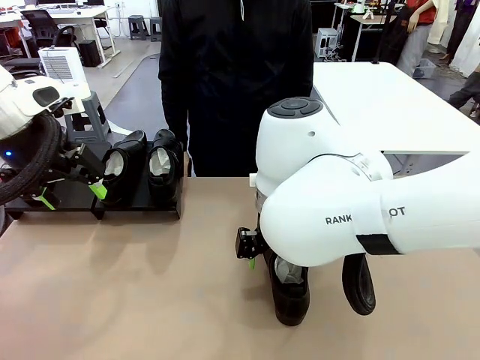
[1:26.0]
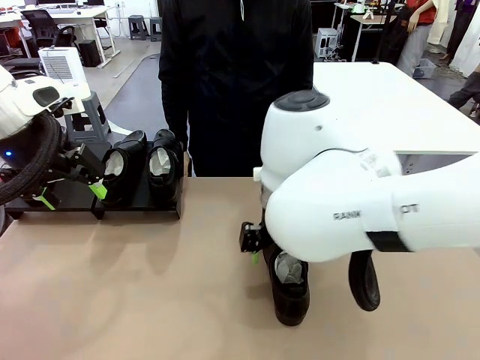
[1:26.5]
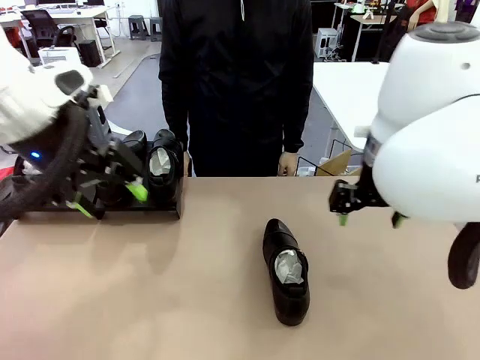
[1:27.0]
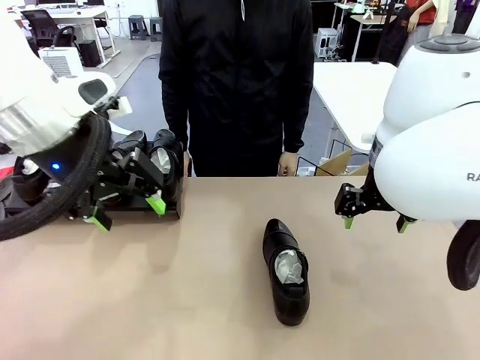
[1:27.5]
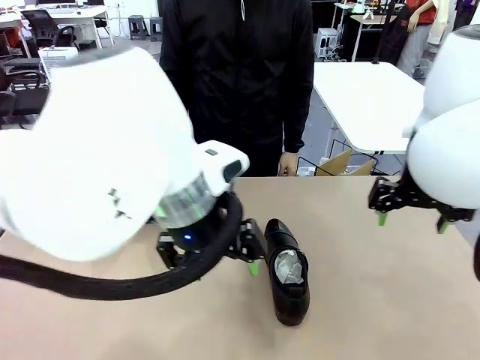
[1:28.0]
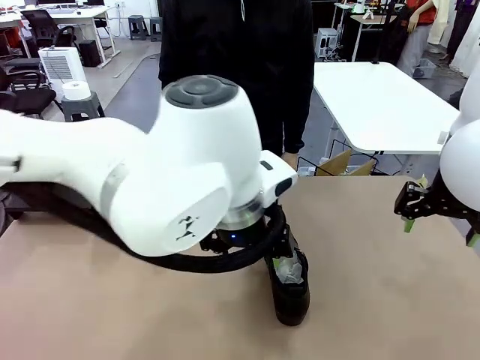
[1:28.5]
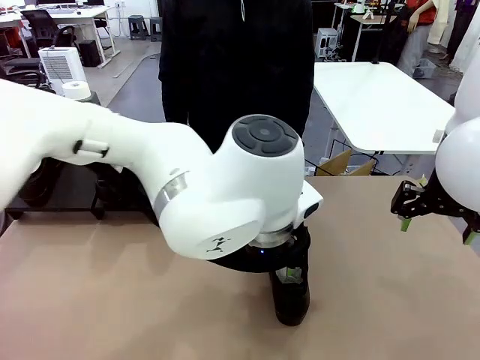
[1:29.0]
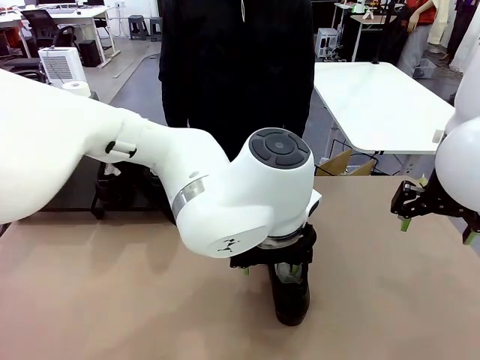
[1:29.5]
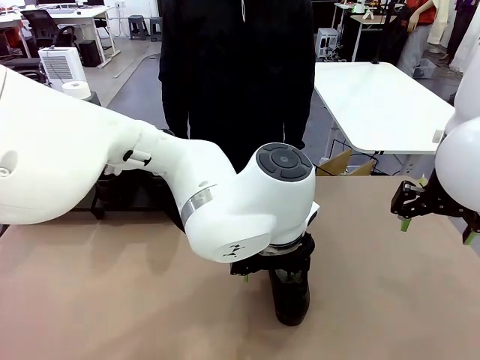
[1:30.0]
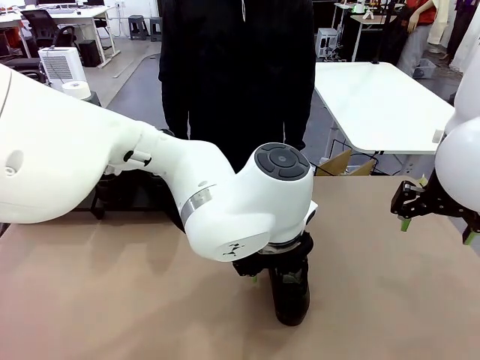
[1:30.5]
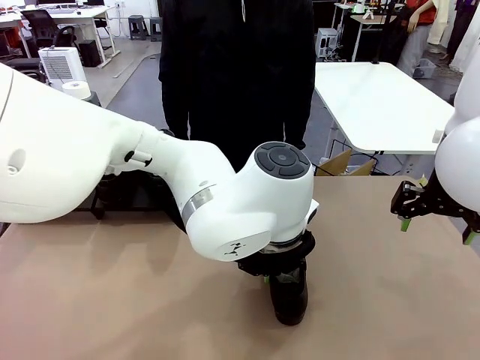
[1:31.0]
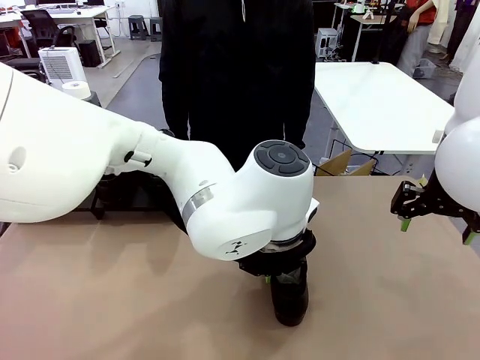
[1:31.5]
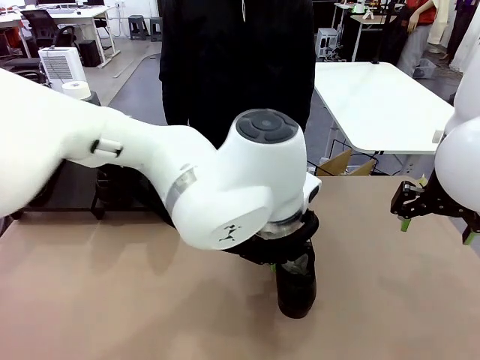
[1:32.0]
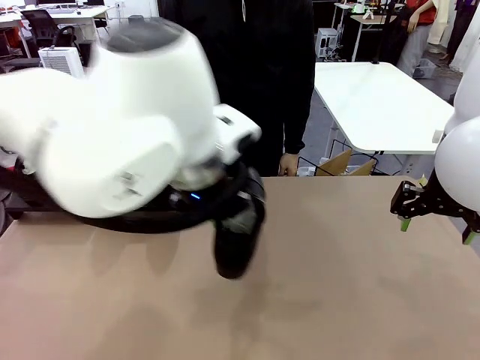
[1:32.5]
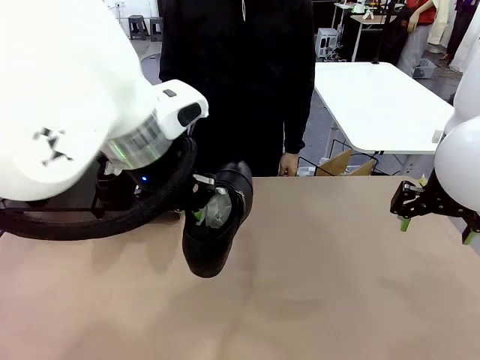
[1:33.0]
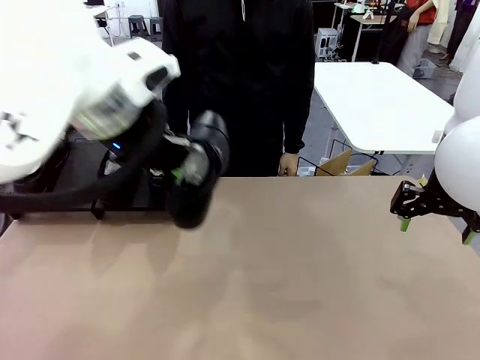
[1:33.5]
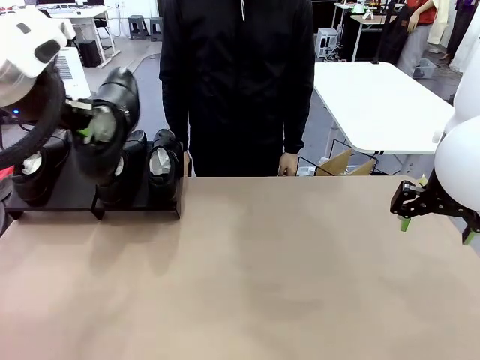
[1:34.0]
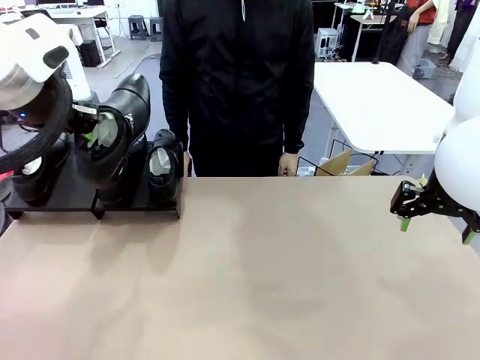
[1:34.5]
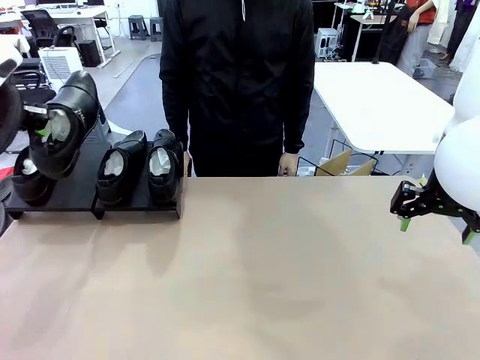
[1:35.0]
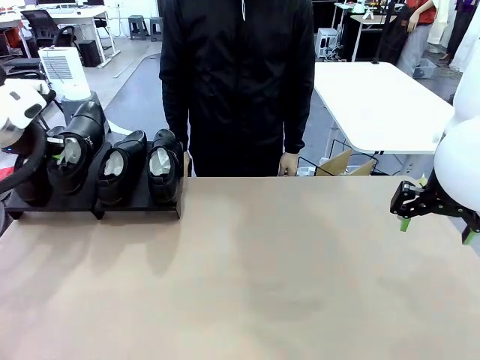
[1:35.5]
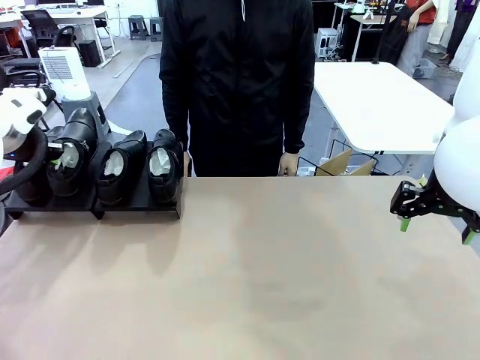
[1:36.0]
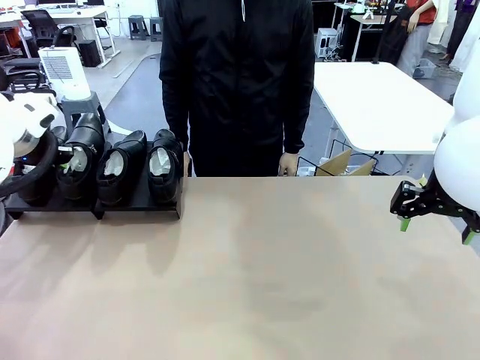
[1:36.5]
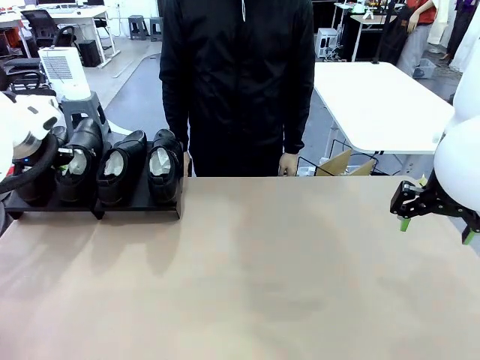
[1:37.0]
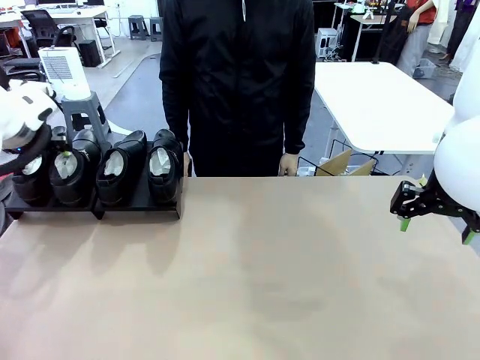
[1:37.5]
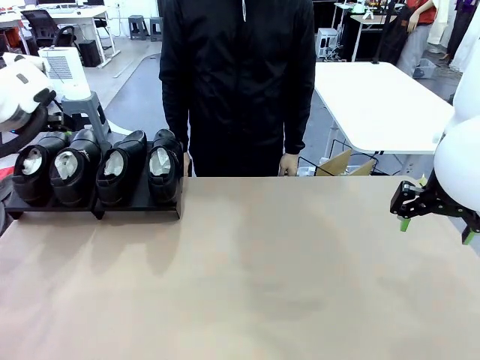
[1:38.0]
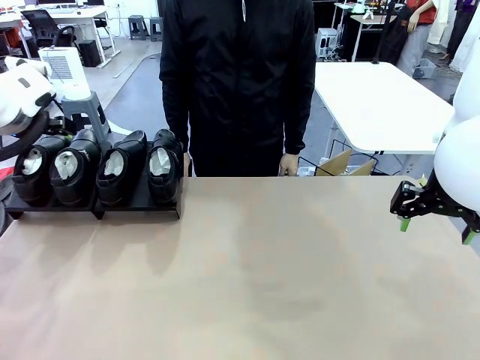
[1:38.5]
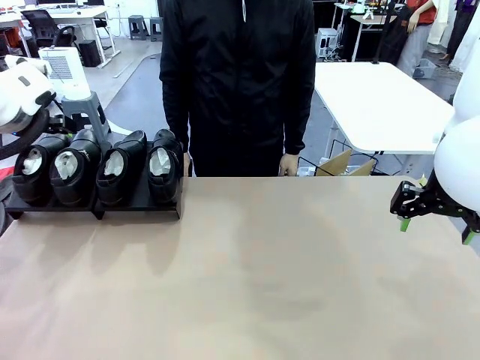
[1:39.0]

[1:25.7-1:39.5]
Task: Organize the shoes by placing them on the stand.
Robot: Place the Shoe from the middle of the table onto the Shoes Stand.

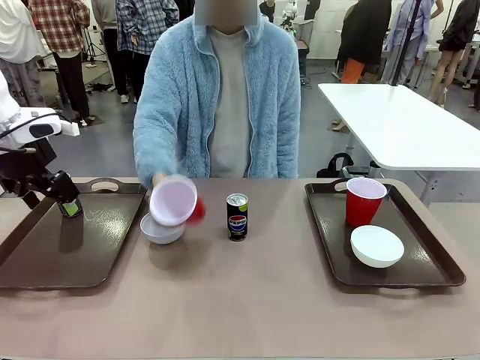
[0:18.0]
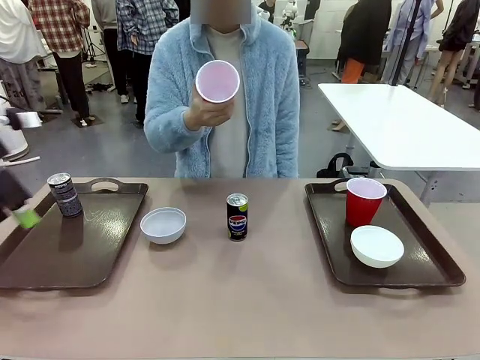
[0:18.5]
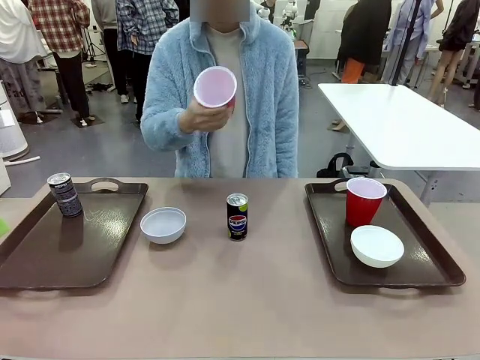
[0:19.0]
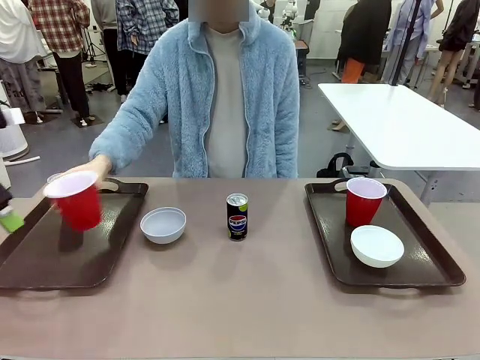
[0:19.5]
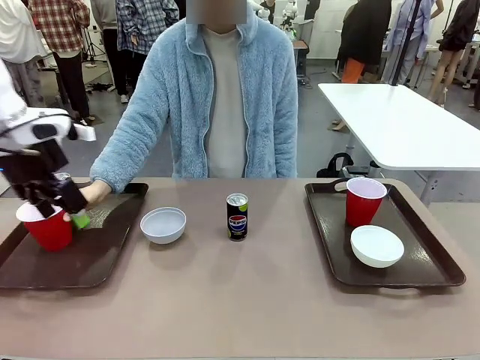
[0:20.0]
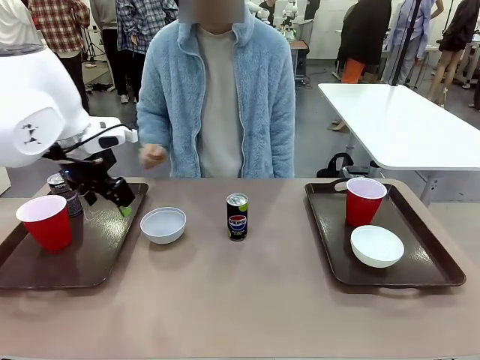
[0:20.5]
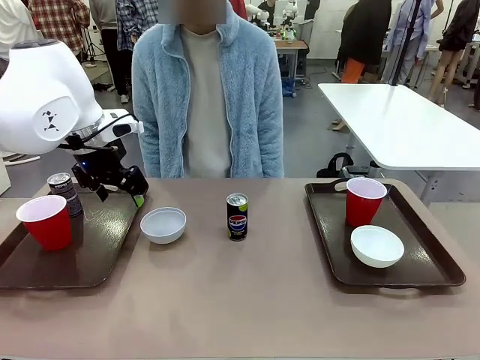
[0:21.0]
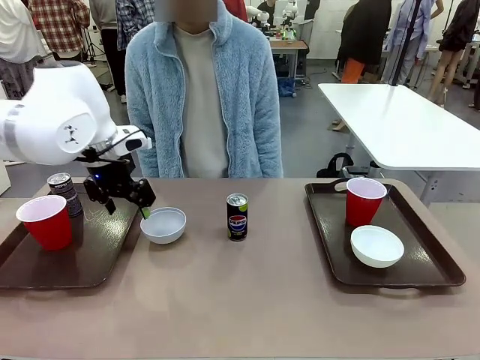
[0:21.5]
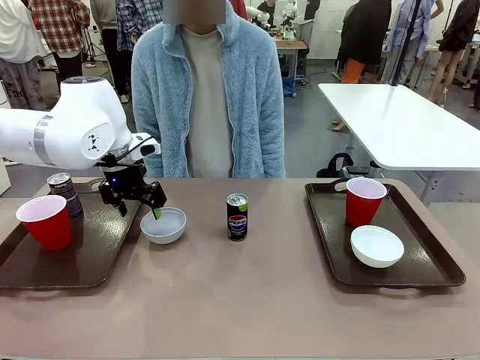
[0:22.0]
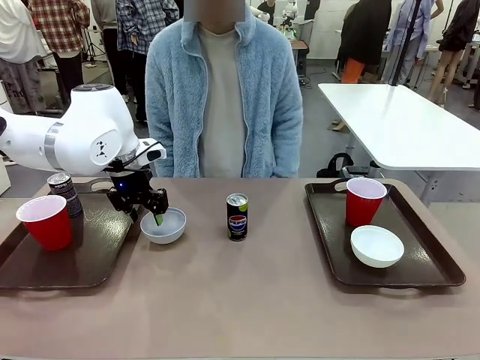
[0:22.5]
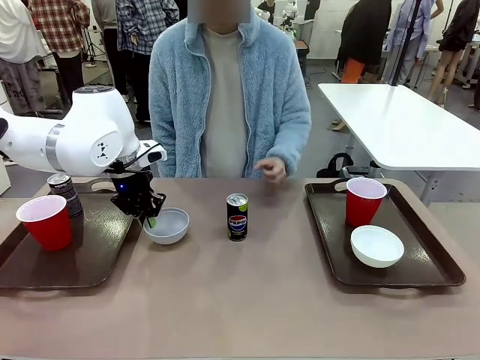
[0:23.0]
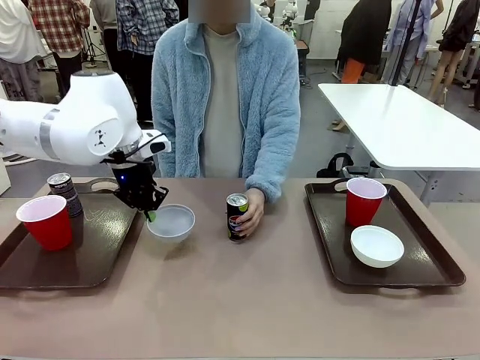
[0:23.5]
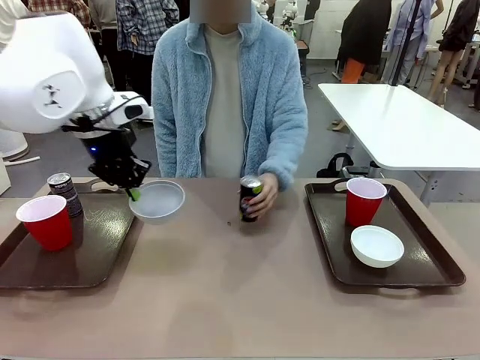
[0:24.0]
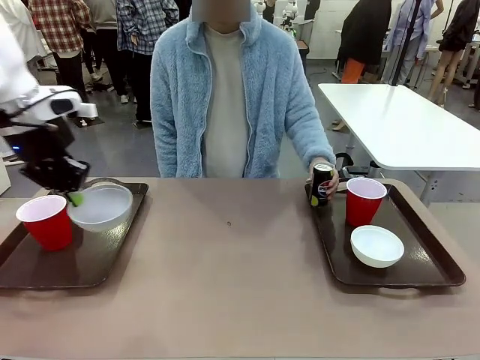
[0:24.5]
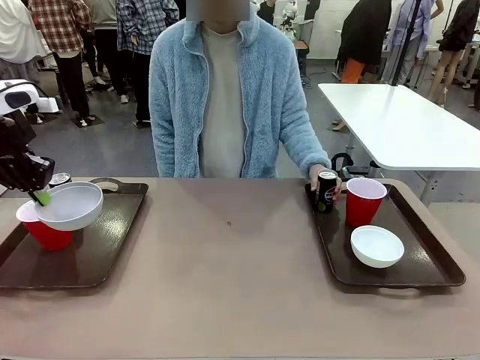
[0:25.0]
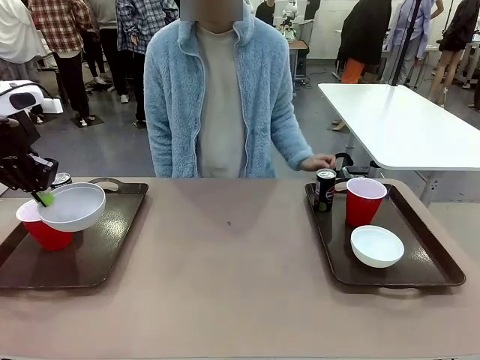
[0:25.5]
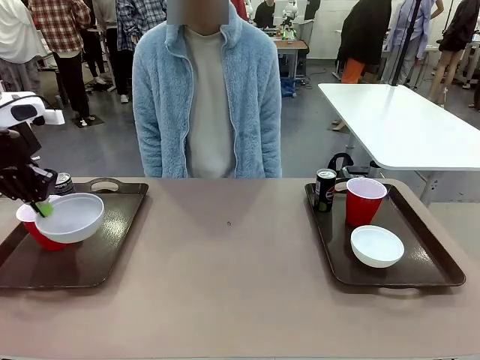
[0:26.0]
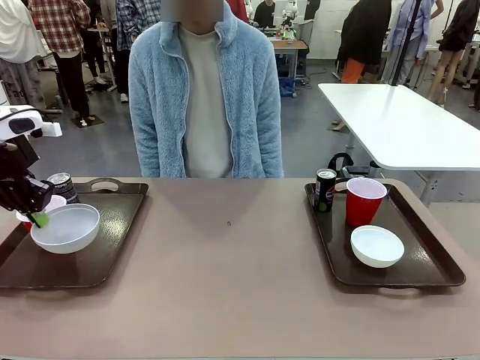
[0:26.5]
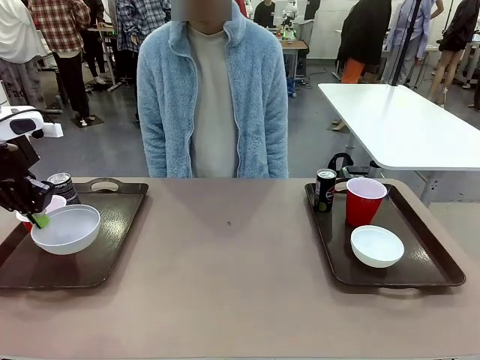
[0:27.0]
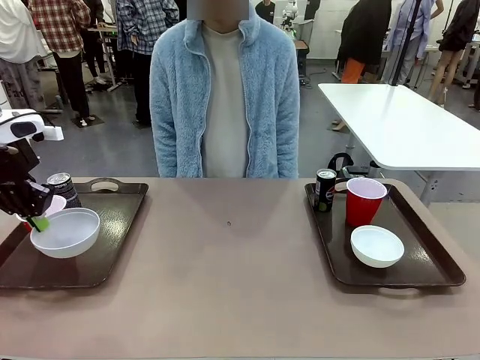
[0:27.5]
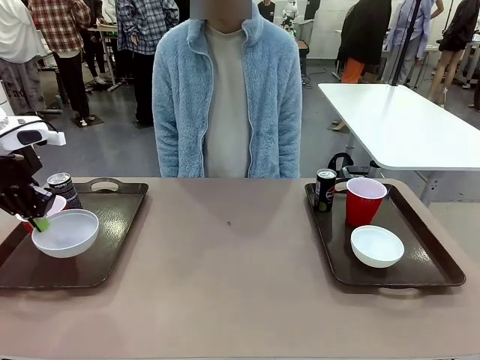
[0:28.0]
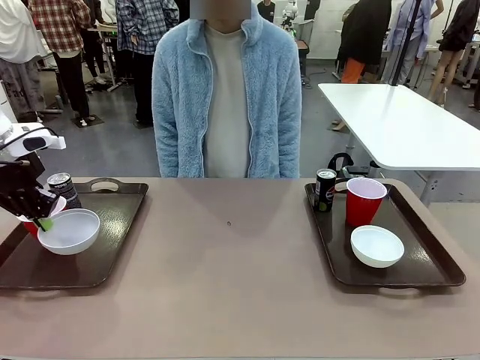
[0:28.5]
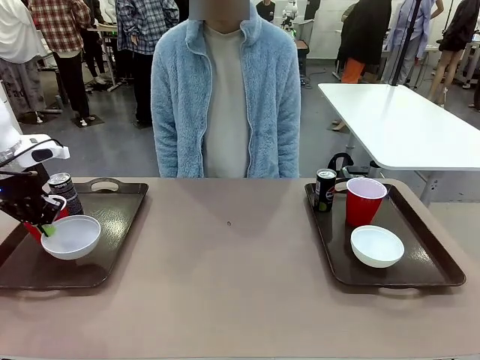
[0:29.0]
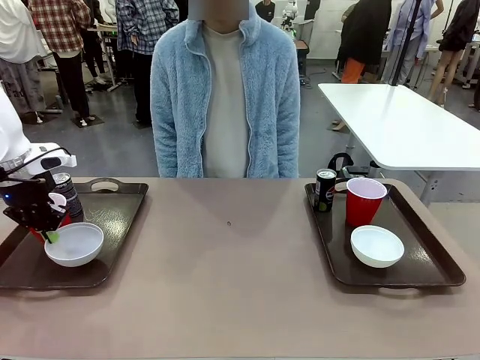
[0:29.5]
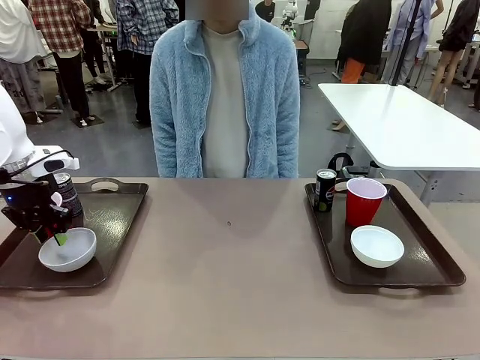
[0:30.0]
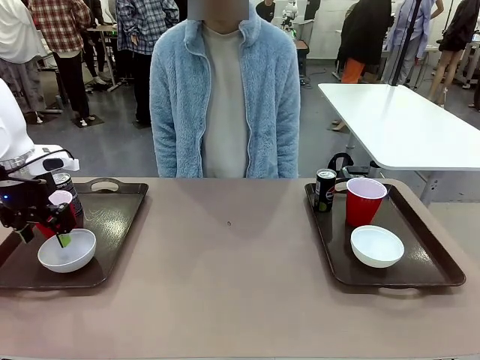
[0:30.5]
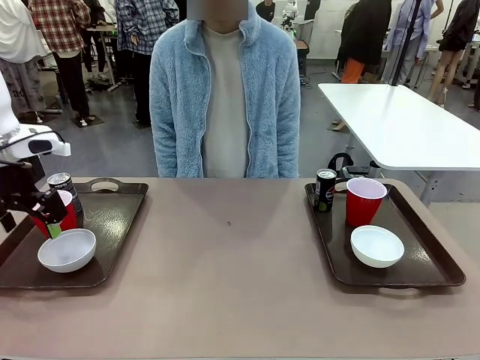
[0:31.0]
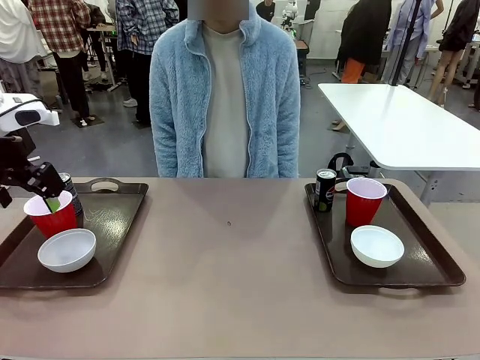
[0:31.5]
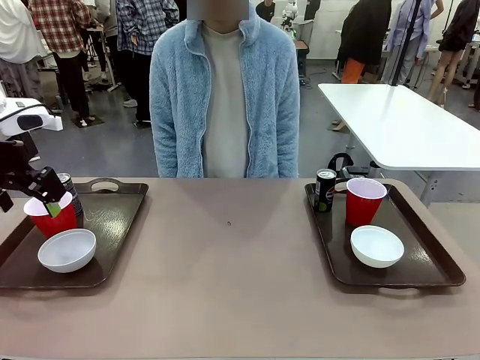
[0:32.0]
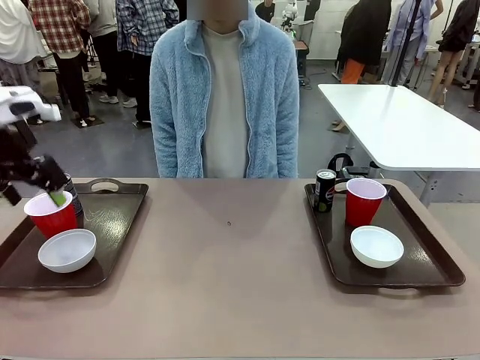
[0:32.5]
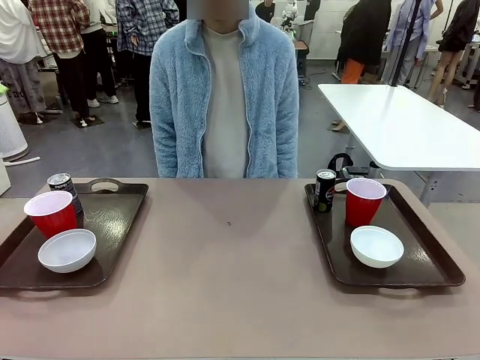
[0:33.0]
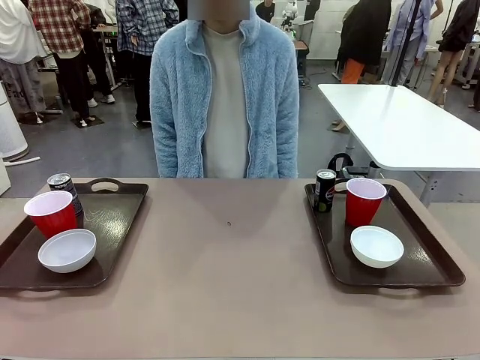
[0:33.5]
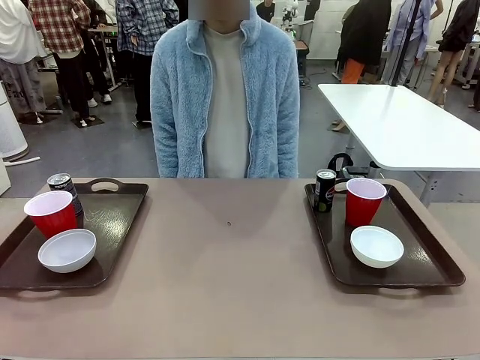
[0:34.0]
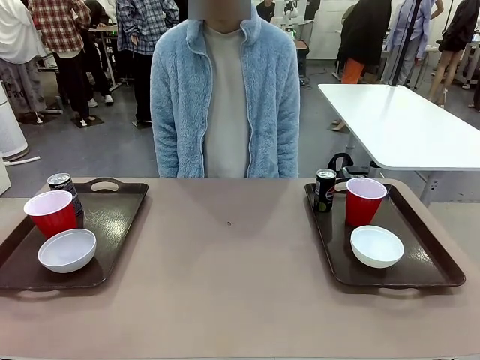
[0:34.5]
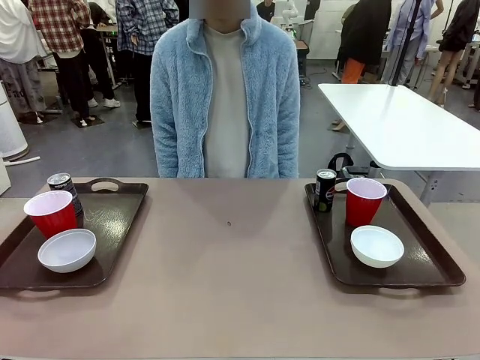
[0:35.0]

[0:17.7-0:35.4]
Task: Prepare tableware on both trays.
Robot: Pick up a Picnic Bowl from the table and place it on a Handle tray.
Person: Pick up a can or cup and place it on the tray without a can or cup.
